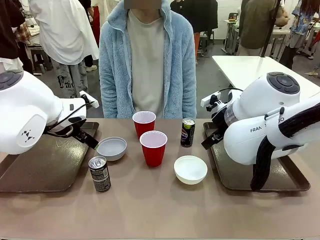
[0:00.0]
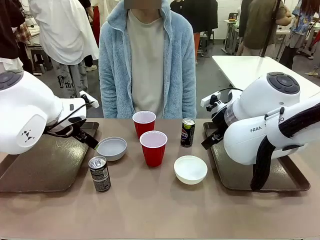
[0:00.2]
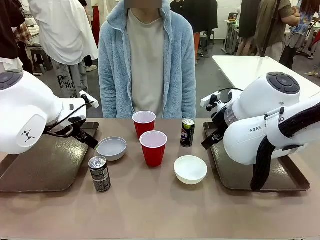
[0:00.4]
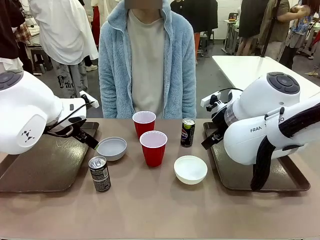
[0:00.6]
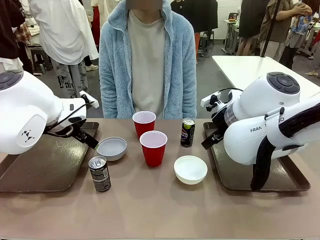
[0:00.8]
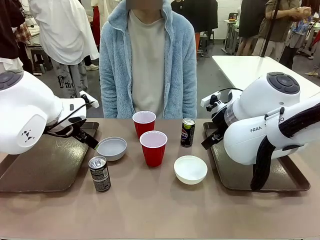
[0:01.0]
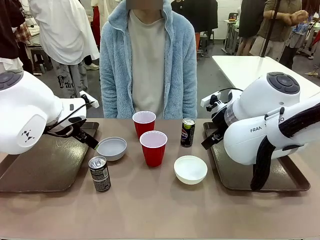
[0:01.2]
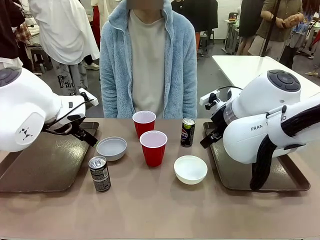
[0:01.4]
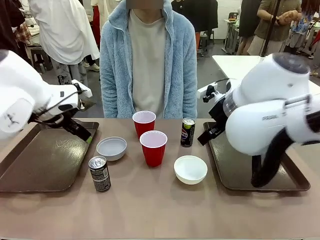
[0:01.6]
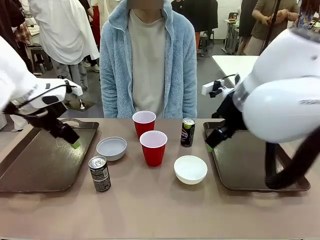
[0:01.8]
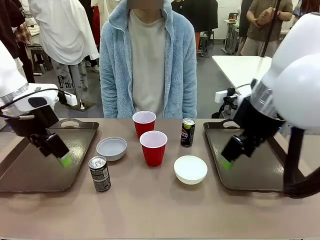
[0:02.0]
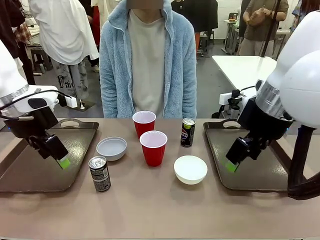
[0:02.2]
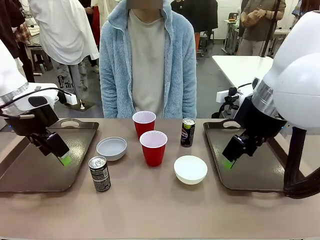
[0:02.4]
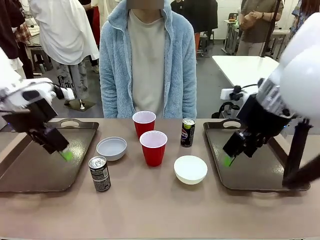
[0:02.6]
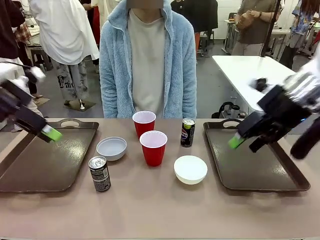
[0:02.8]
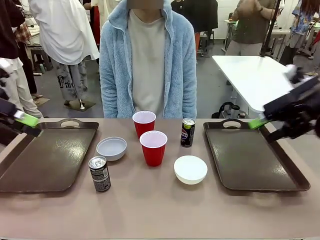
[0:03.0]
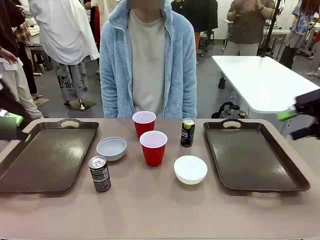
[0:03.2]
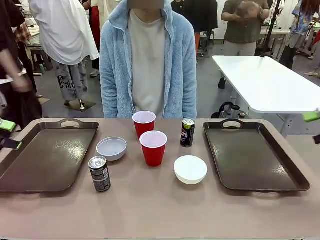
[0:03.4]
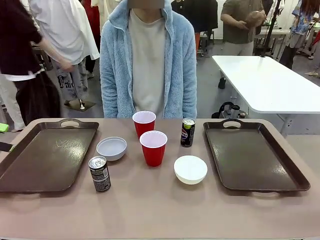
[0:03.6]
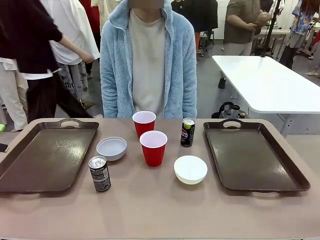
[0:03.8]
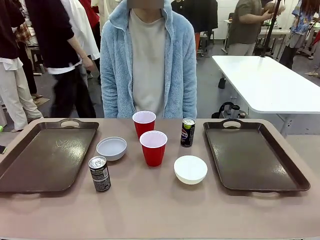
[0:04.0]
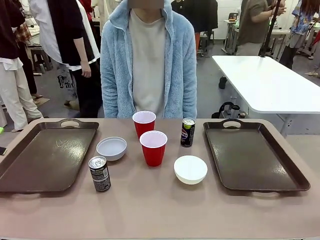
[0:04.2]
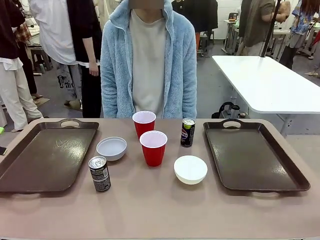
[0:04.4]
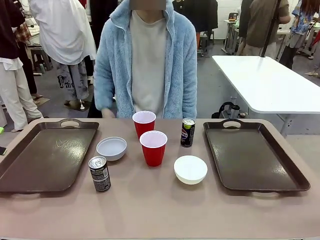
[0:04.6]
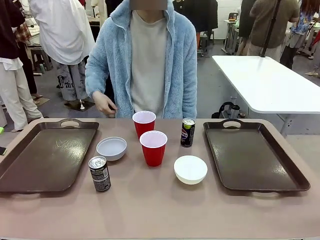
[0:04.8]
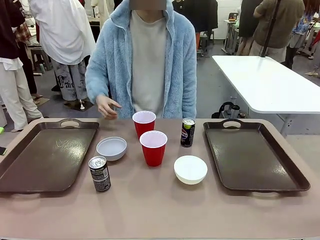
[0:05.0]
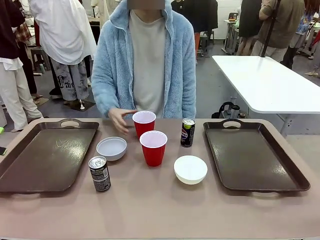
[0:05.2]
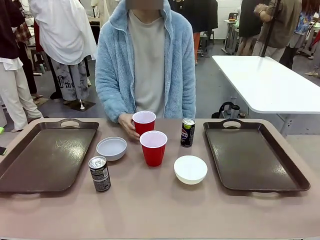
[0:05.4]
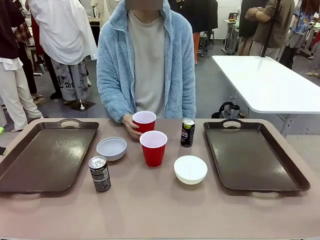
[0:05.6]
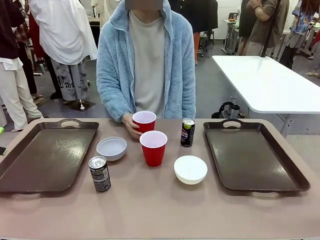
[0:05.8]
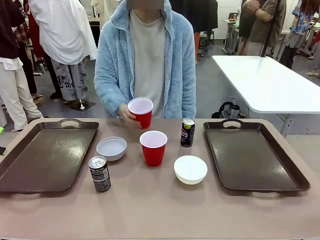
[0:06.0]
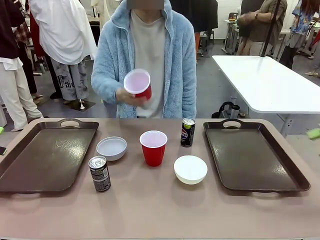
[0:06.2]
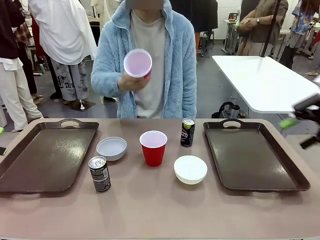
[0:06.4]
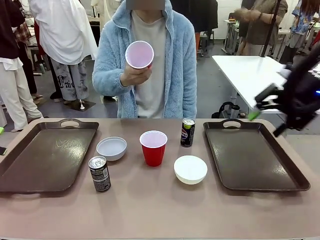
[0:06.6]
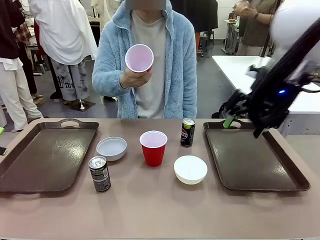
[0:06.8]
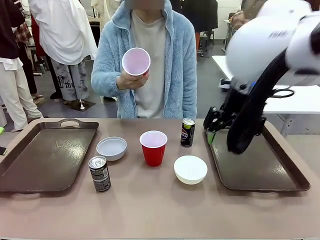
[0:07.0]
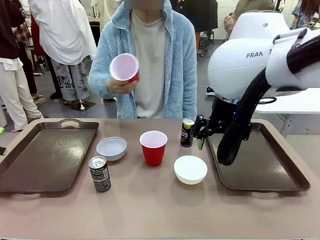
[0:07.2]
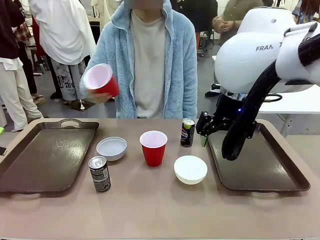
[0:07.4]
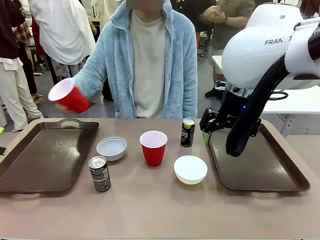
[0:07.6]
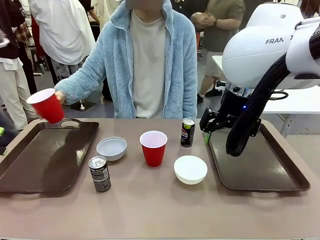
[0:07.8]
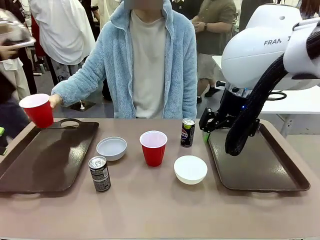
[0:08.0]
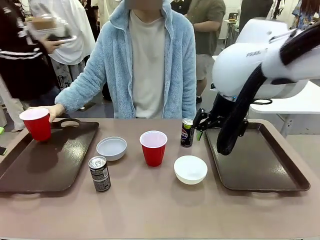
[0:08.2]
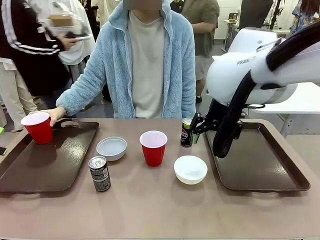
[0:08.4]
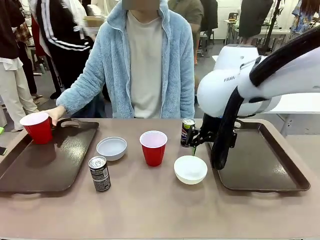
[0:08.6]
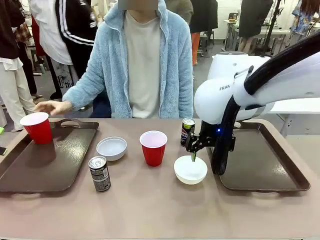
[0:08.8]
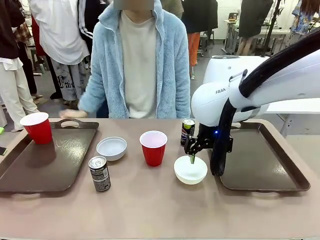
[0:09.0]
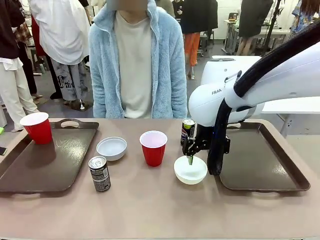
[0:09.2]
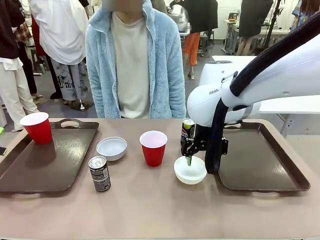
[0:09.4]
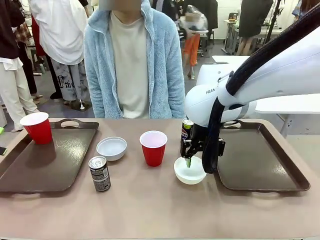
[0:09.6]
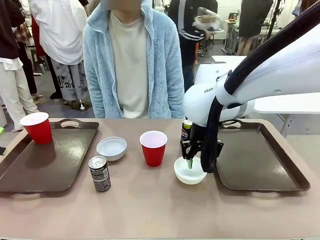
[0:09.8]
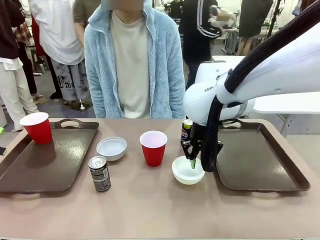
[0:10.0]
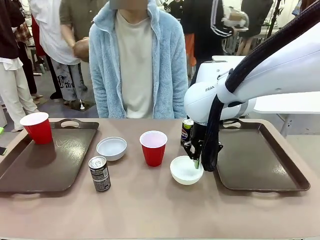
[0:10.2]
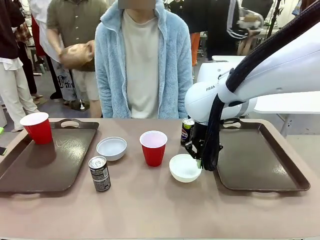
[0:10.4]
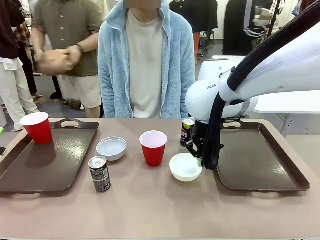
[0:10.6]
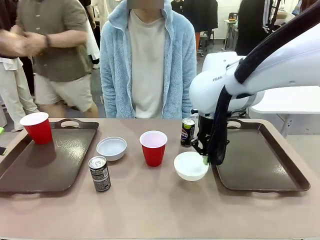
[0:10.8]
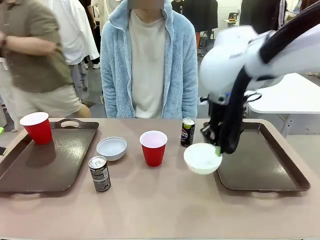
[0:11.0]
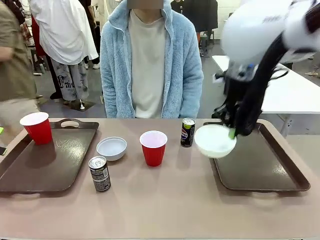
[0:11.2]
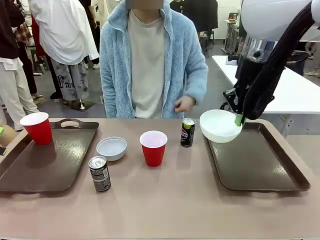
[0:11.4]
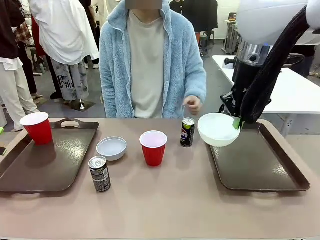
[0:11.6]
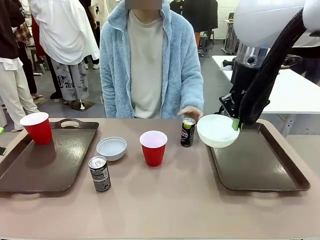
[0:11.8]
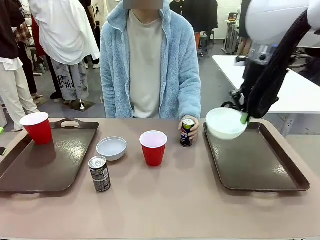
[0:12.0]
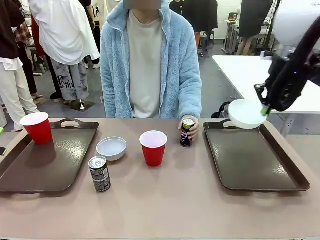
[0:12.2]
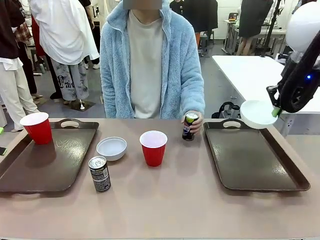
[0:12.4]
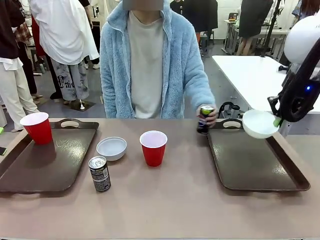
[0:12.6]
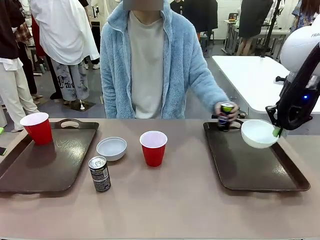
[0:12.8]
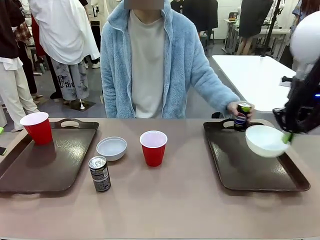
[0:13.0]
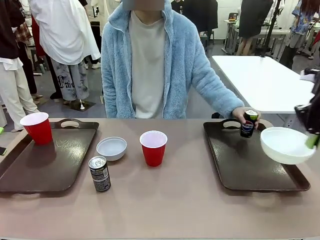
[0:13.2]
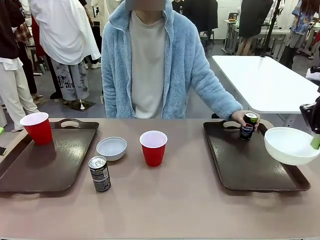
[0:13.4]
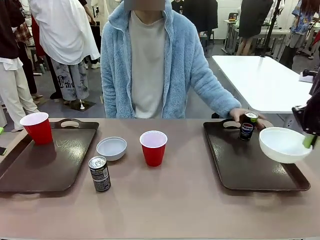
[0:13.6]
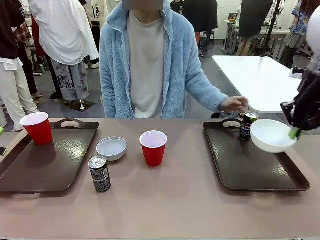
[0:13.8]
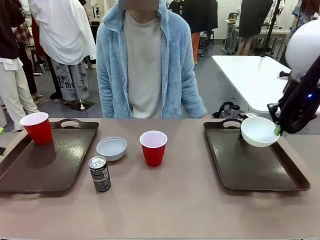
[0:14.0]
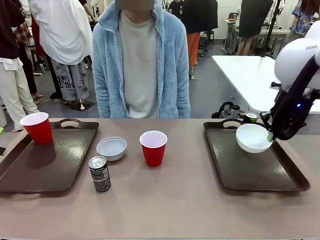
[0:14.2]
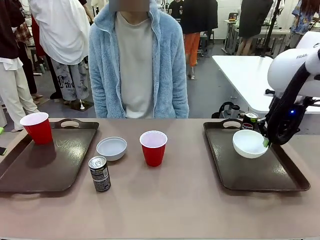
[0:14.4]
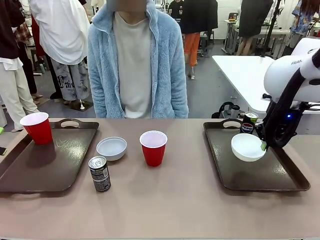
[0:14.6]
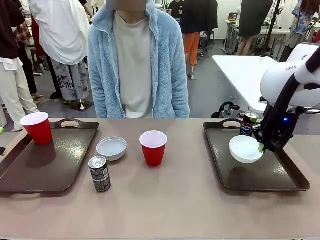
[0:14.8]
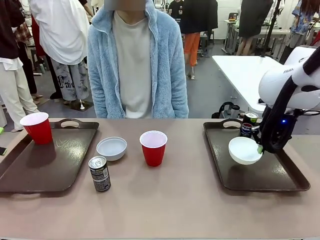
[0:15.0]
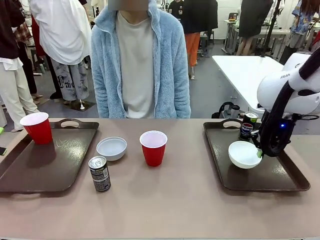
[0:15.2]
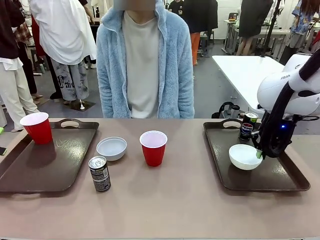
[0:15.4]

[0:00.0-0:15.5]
Task: Prepare tableware on both trays.
Robot: Pick up a Picnic Bowl from the table and place it on a Handle tray.
Person: Pick up a can or cup and place it on the tray.
